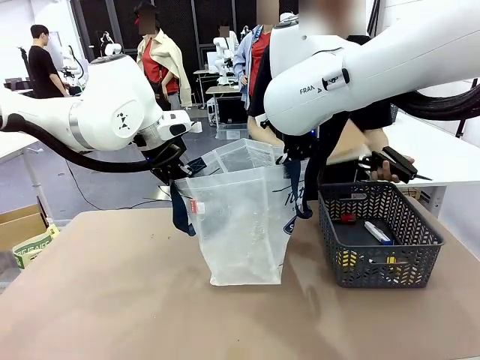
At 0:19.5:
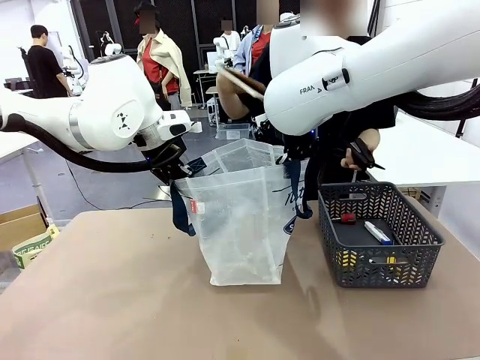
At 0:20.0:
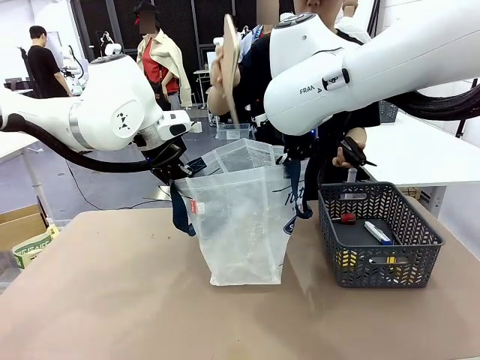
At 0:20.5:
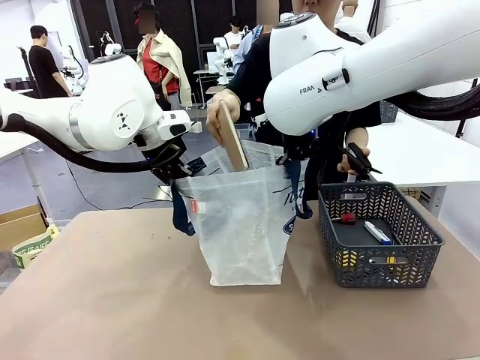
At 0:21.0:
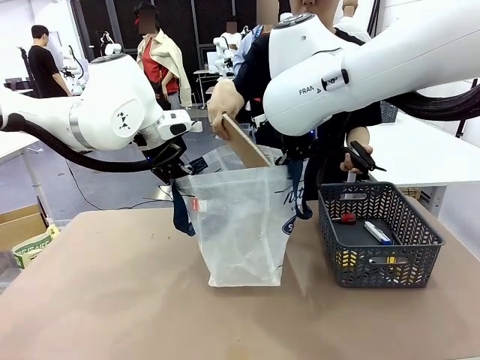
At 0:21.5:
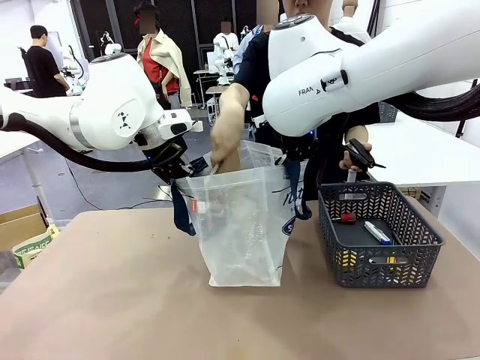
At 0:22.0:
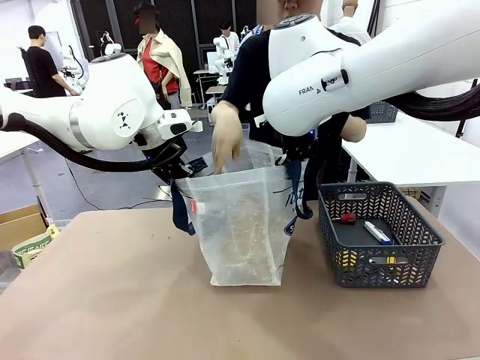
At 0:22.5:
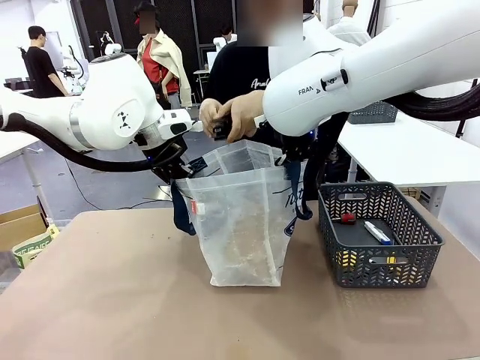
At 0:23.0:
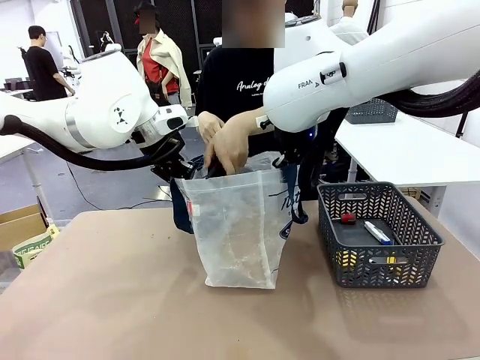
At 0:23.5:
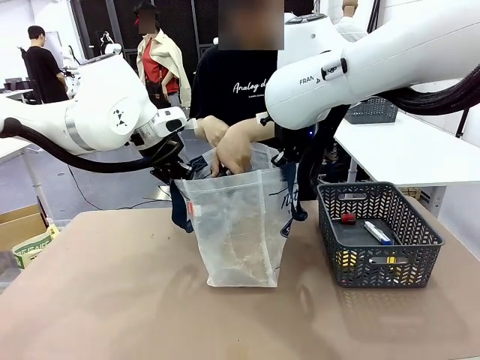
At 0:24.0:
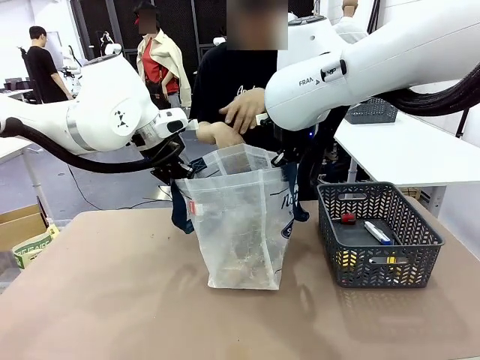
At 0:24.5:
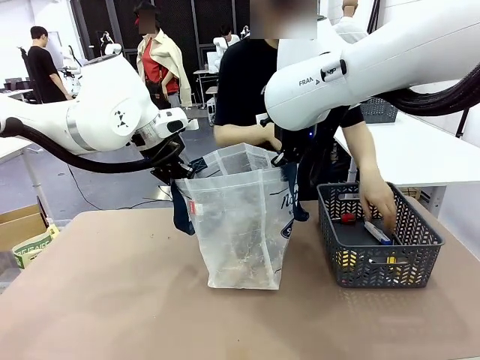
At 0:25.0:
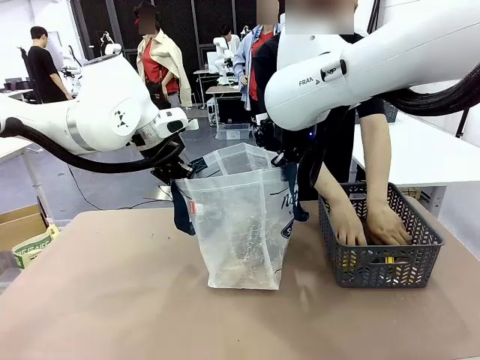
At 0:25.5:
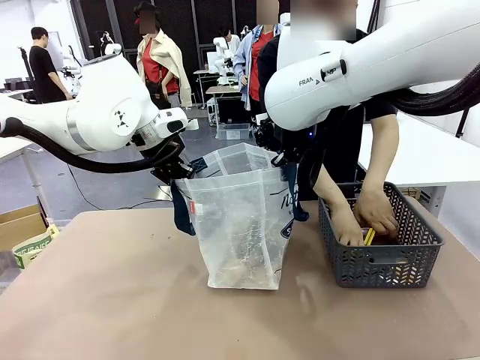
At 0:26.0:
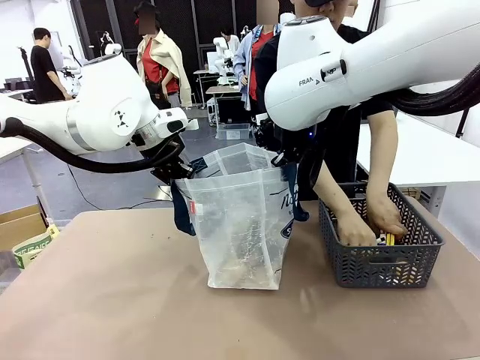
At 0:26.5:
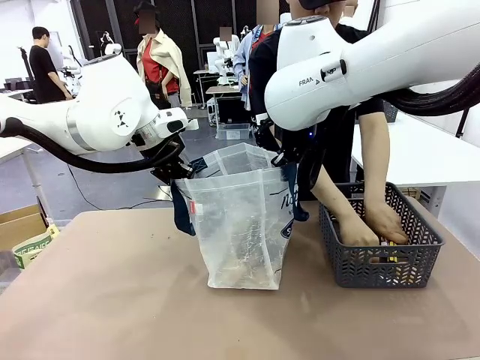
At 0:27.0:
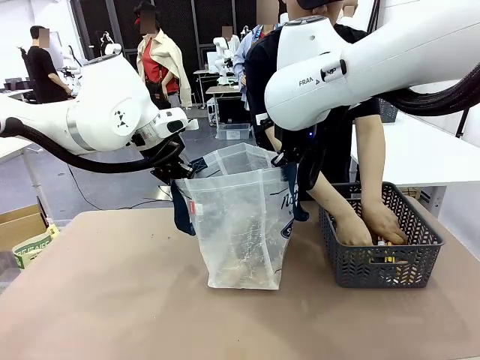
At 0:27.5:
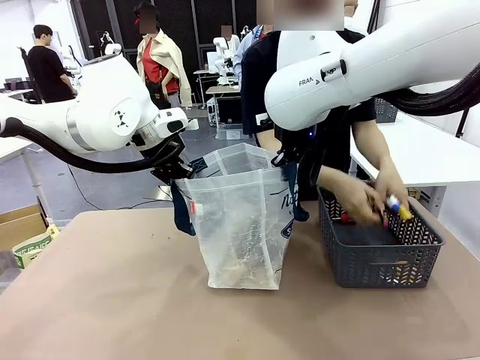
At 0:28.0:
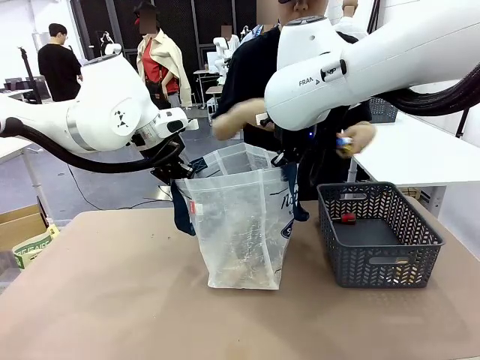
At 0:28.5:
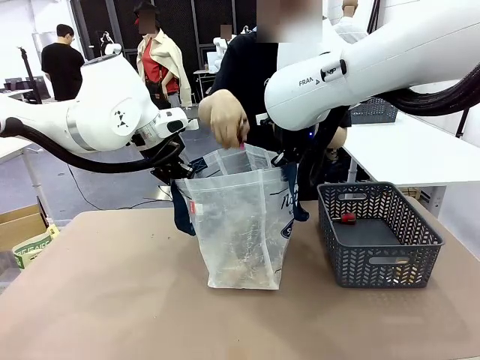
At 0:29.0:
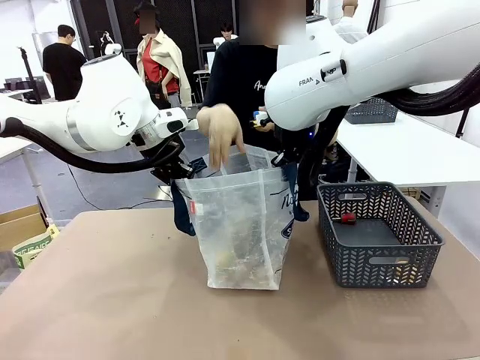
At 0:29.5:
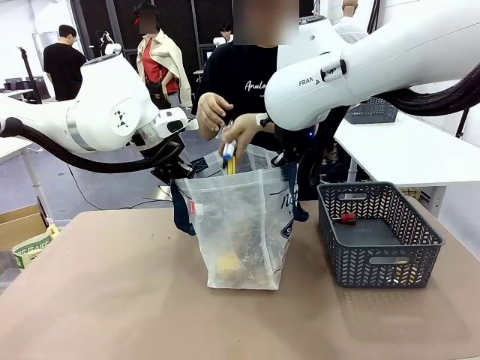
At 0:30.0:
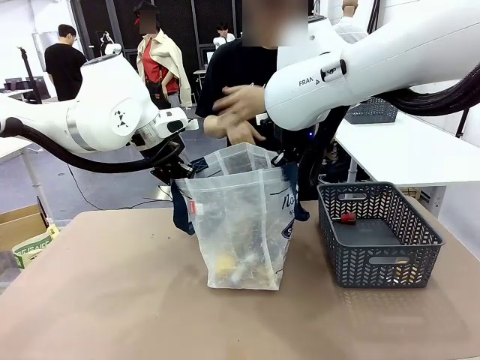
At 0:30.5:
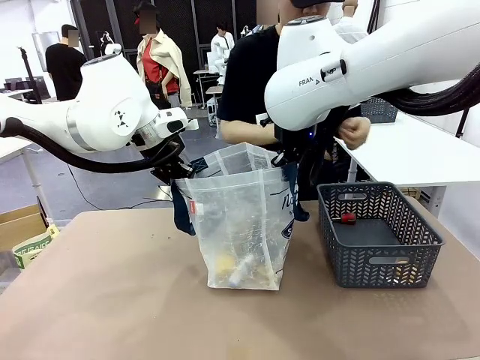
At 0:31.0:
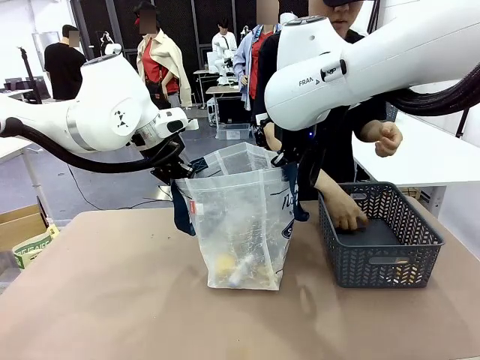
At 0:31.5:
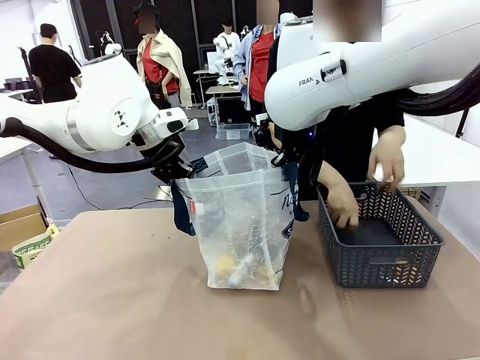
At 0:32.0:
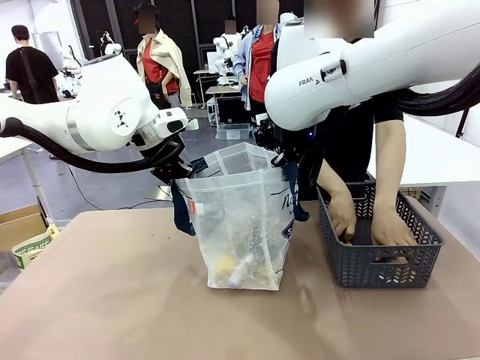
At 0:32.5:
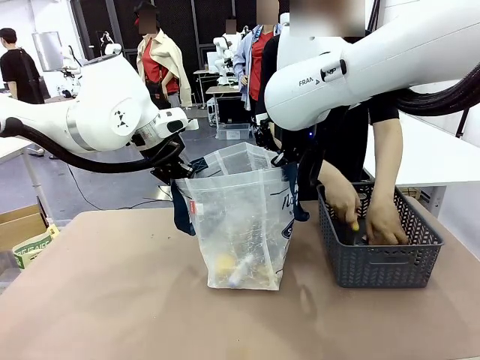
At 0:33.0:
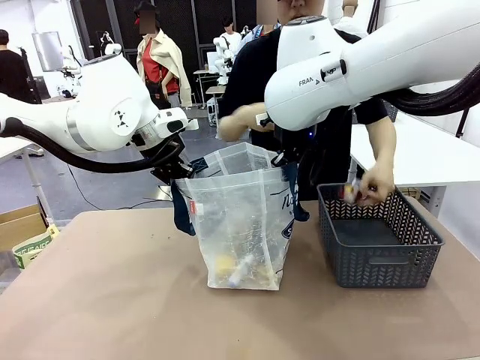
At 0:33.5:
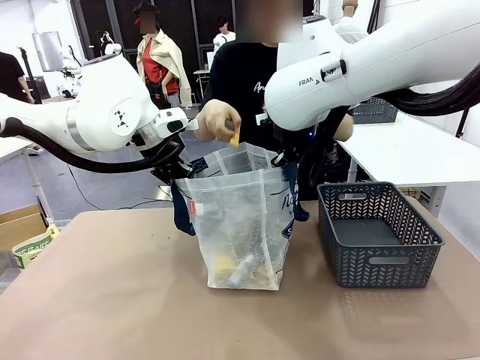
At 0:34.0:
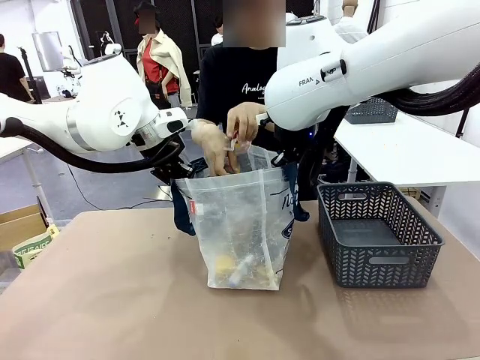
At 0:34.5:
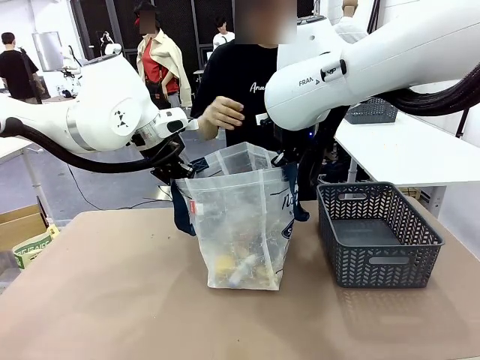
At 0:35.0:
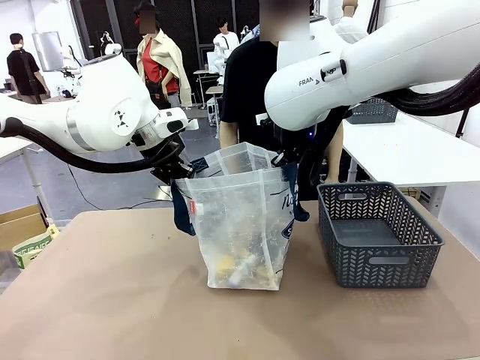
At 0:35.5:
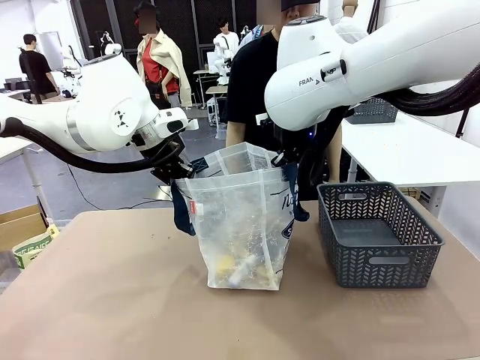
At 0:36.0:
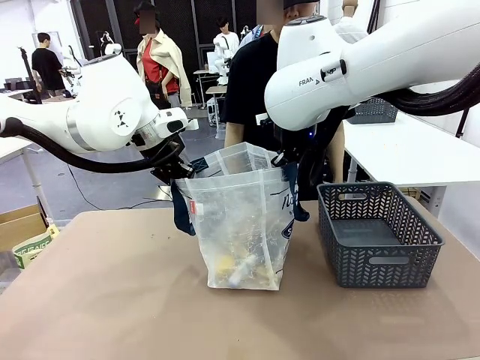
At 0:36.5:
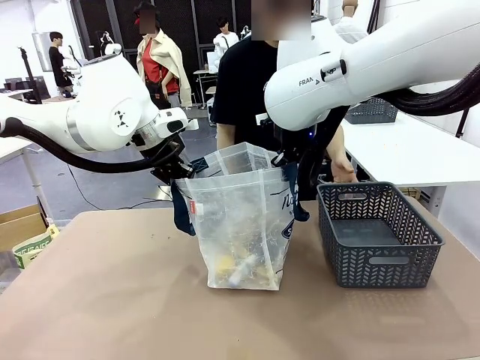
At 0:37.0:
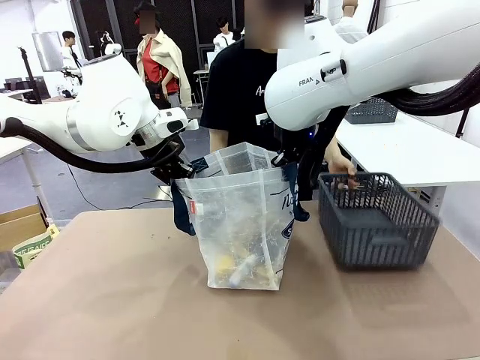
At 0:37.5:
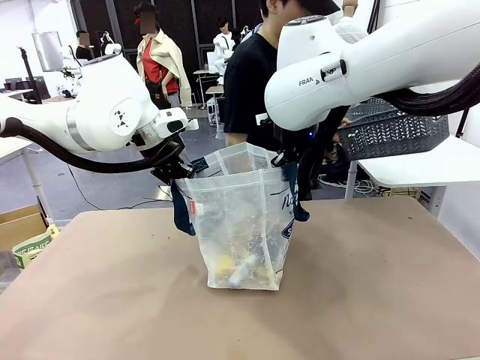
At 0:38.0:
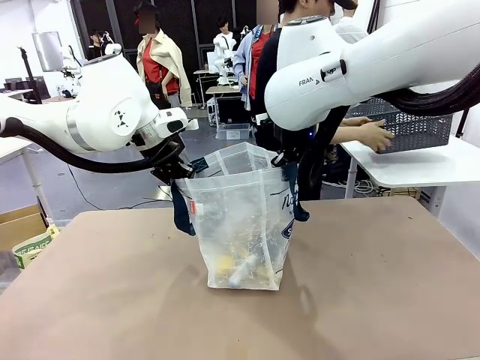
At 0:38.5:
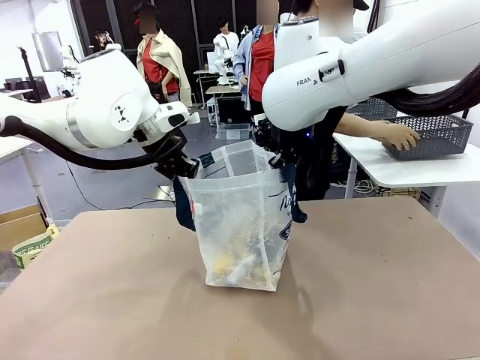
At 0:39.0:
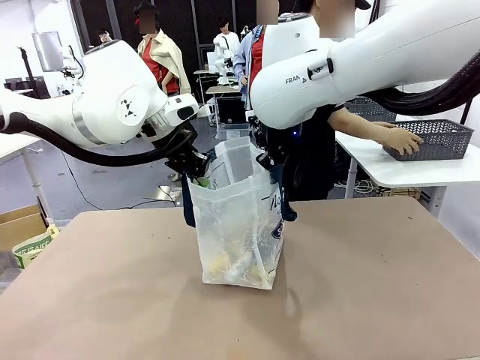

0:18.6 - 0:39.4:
Task: Transfer purchased items from the store into the shopping bag.
Robot: Move the Reusable shopping bag to the right side of the table.
Person: Pick up the basket on the right, place it on the left side of the robot table, and move the items in the basket to the shopping bag. Pick up the basket with the items out and place it on the right side of the human table.
